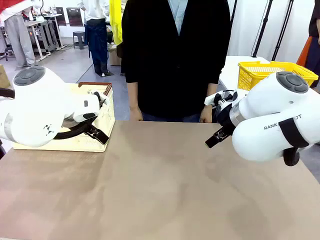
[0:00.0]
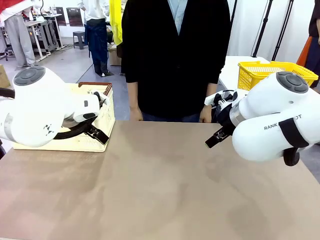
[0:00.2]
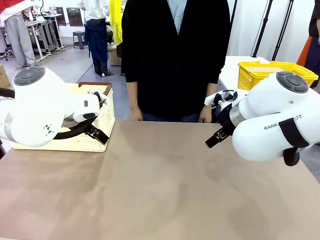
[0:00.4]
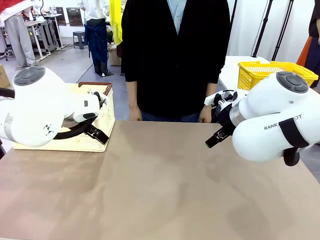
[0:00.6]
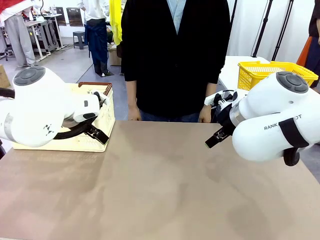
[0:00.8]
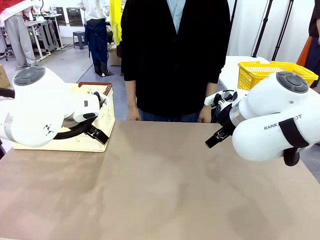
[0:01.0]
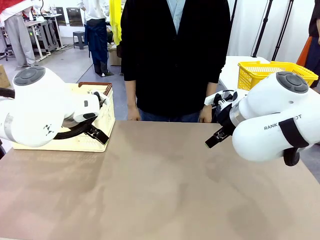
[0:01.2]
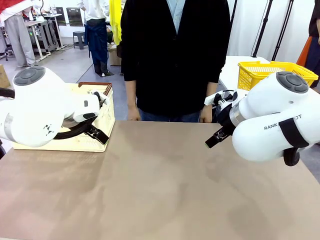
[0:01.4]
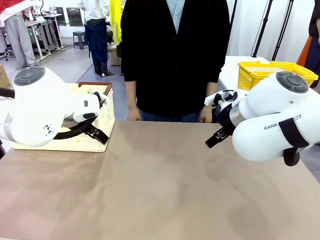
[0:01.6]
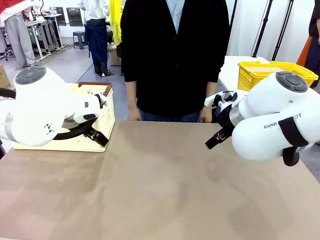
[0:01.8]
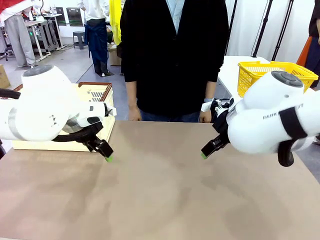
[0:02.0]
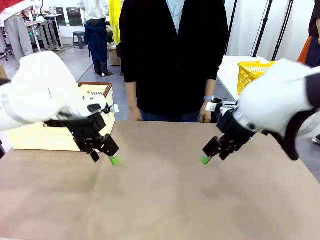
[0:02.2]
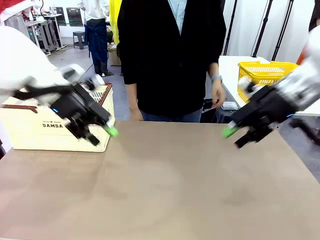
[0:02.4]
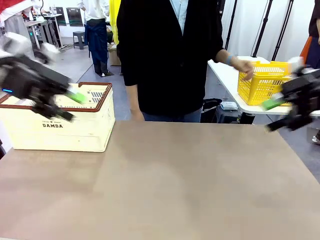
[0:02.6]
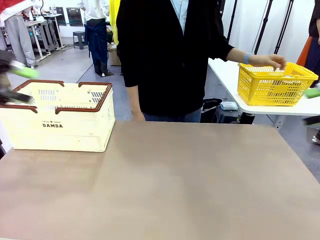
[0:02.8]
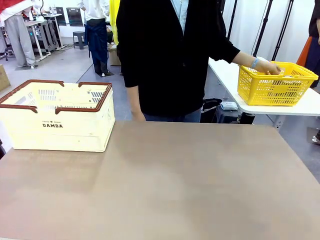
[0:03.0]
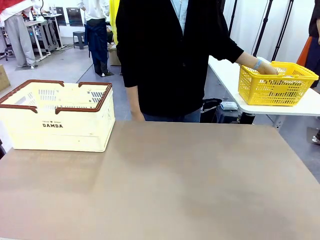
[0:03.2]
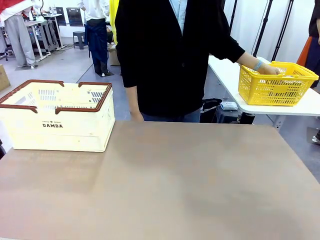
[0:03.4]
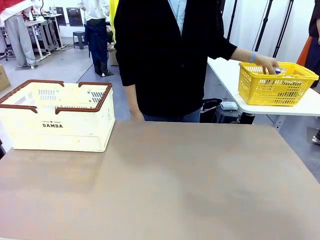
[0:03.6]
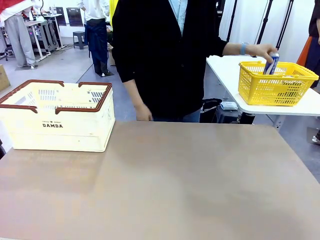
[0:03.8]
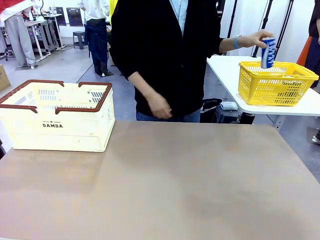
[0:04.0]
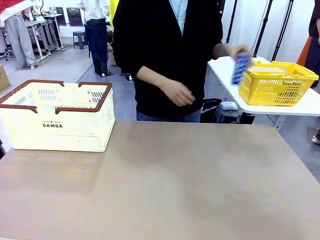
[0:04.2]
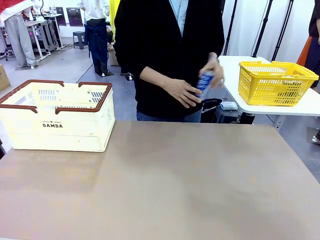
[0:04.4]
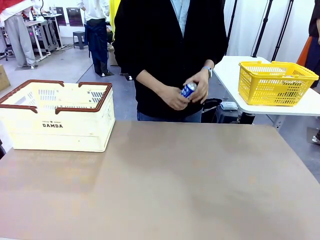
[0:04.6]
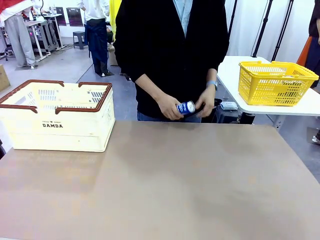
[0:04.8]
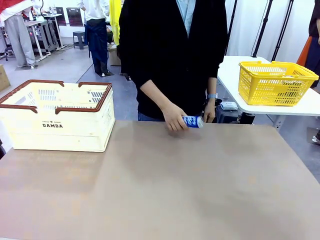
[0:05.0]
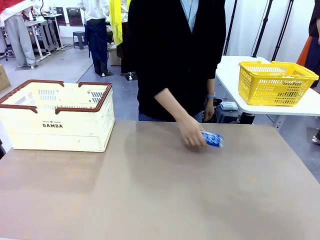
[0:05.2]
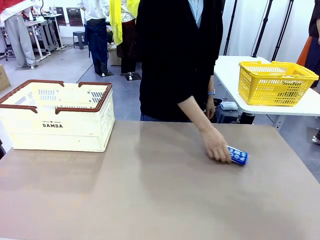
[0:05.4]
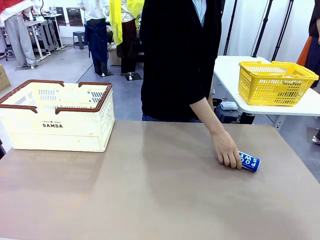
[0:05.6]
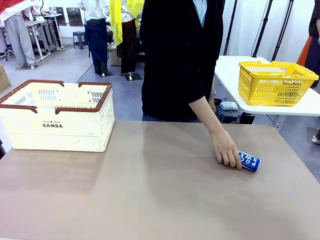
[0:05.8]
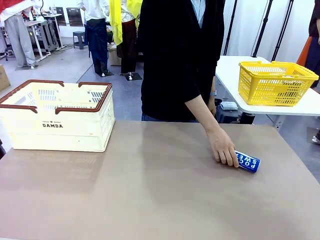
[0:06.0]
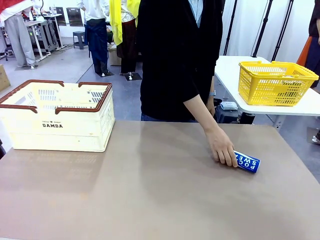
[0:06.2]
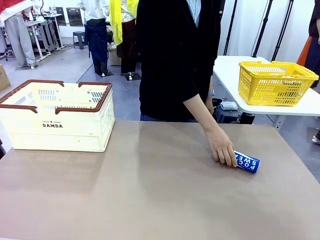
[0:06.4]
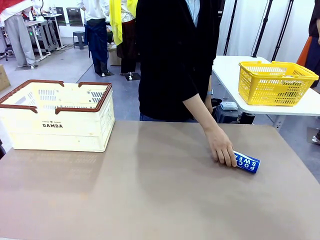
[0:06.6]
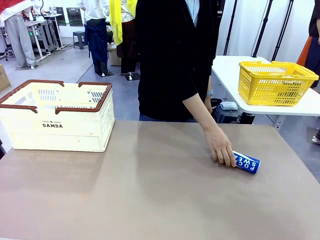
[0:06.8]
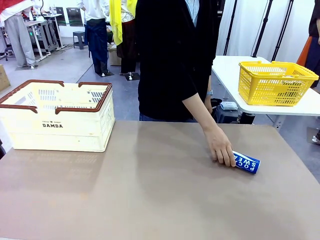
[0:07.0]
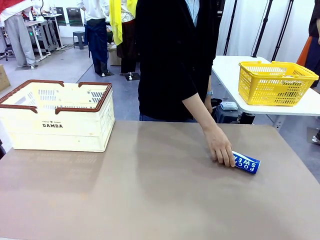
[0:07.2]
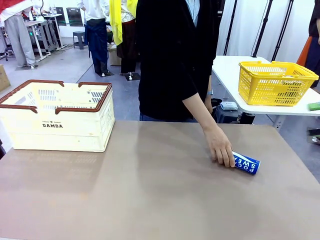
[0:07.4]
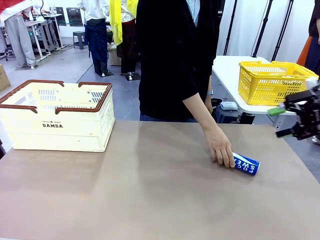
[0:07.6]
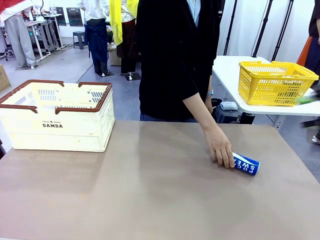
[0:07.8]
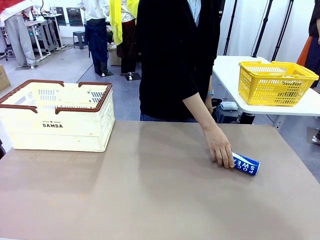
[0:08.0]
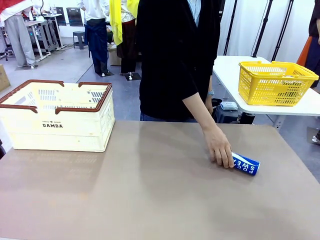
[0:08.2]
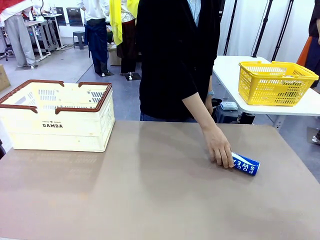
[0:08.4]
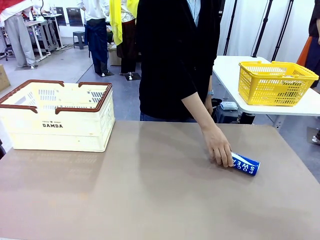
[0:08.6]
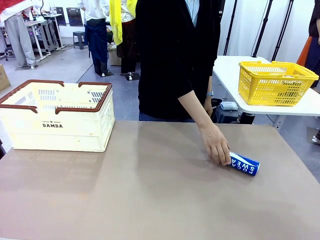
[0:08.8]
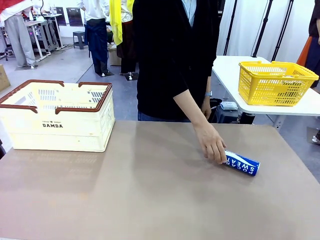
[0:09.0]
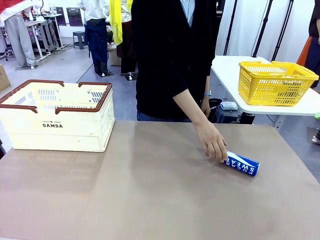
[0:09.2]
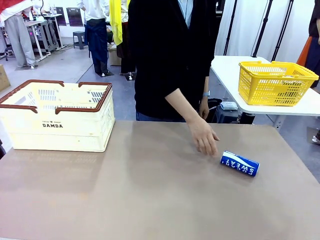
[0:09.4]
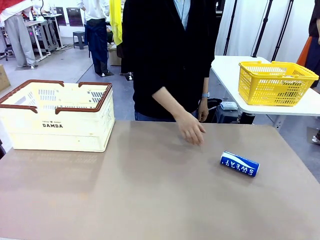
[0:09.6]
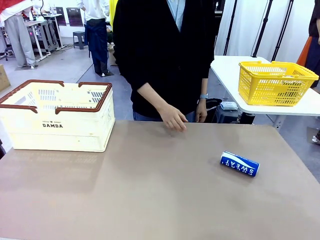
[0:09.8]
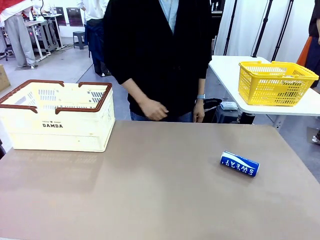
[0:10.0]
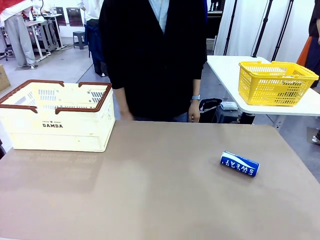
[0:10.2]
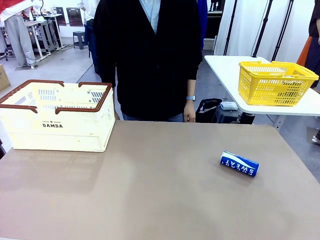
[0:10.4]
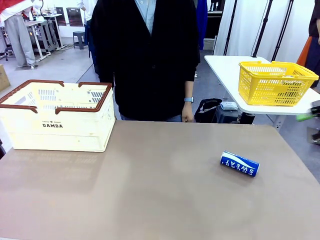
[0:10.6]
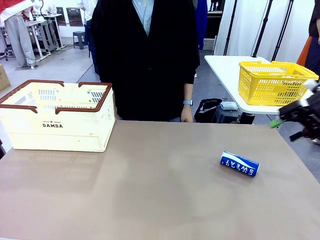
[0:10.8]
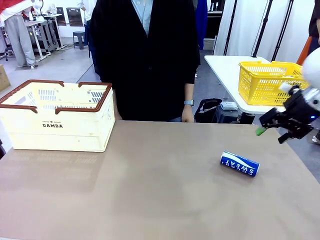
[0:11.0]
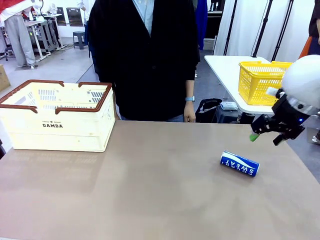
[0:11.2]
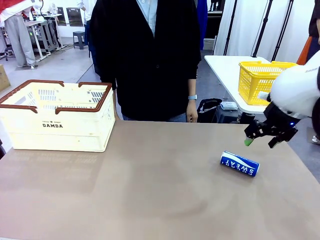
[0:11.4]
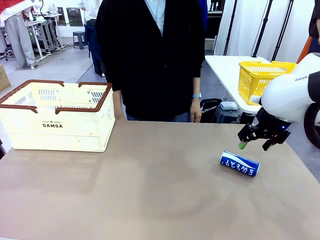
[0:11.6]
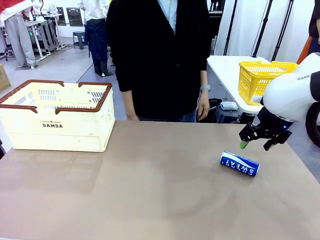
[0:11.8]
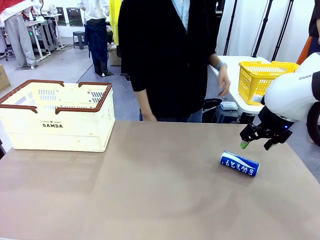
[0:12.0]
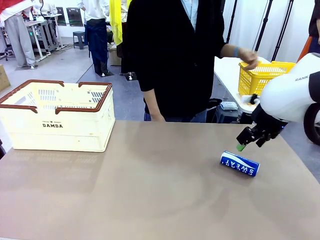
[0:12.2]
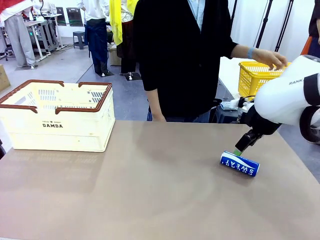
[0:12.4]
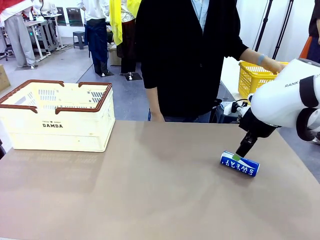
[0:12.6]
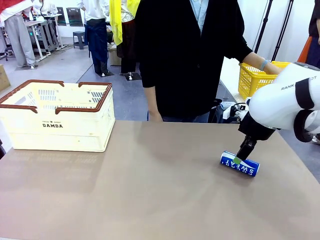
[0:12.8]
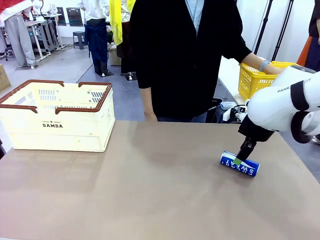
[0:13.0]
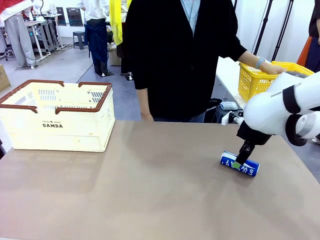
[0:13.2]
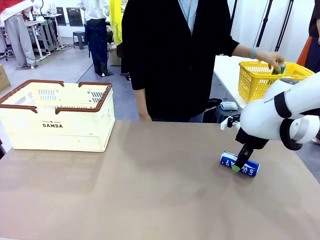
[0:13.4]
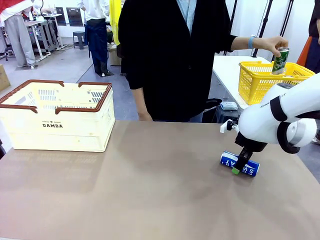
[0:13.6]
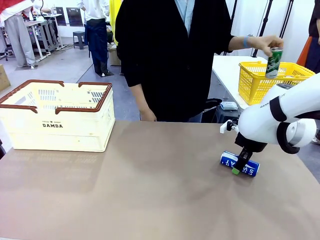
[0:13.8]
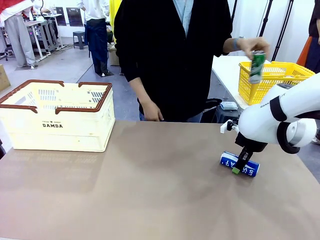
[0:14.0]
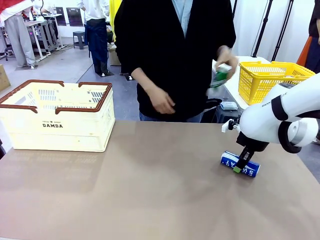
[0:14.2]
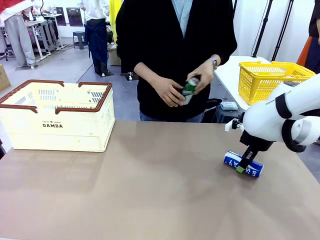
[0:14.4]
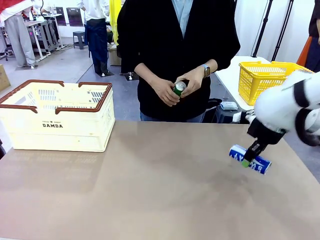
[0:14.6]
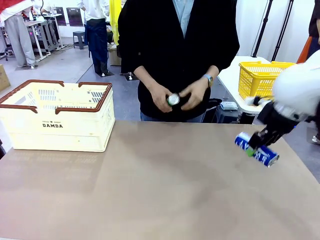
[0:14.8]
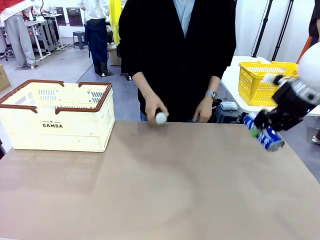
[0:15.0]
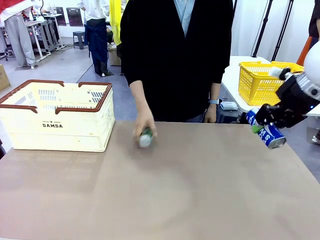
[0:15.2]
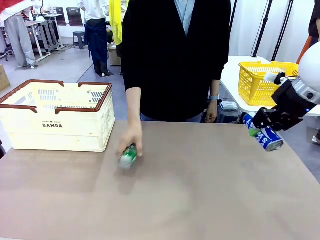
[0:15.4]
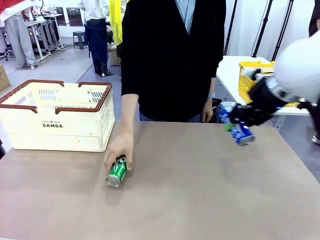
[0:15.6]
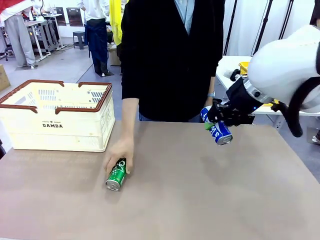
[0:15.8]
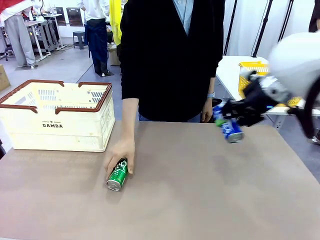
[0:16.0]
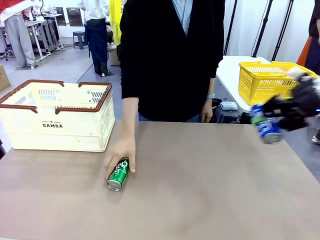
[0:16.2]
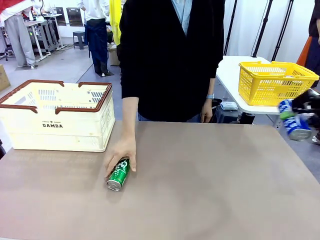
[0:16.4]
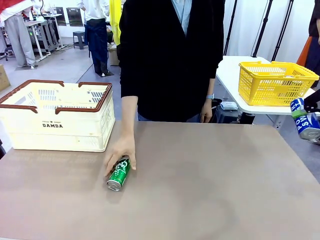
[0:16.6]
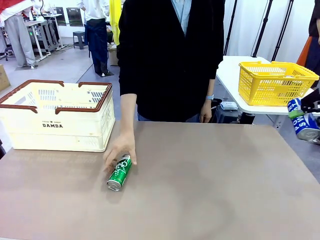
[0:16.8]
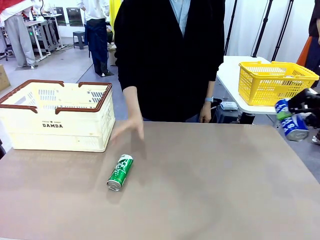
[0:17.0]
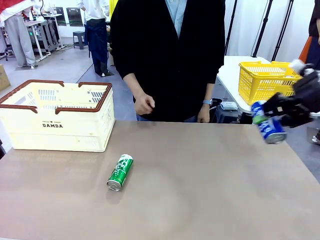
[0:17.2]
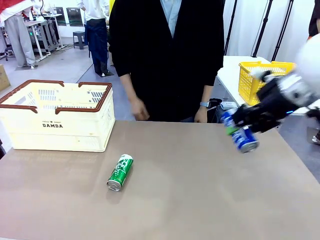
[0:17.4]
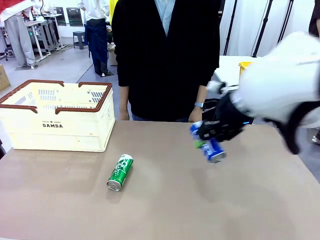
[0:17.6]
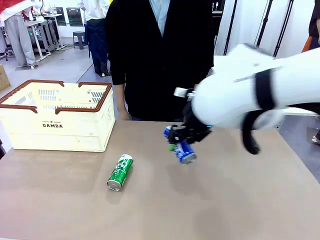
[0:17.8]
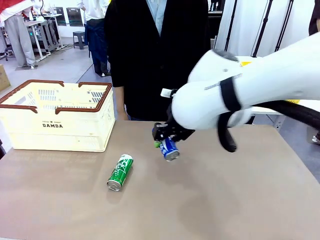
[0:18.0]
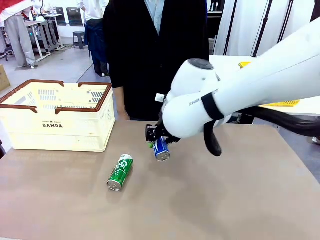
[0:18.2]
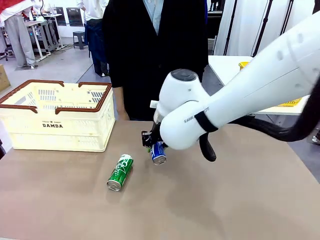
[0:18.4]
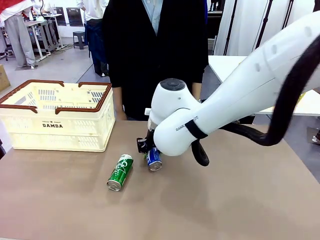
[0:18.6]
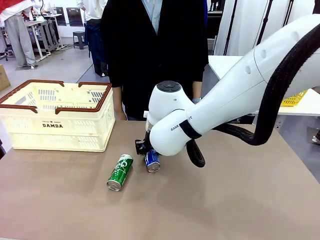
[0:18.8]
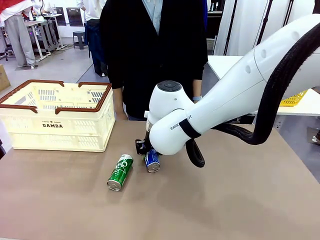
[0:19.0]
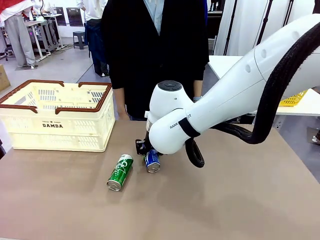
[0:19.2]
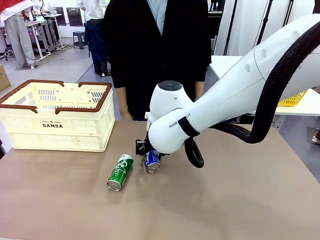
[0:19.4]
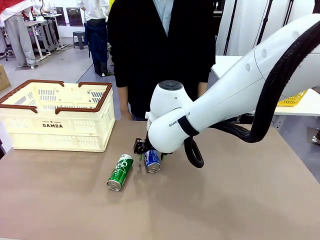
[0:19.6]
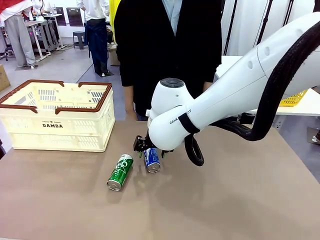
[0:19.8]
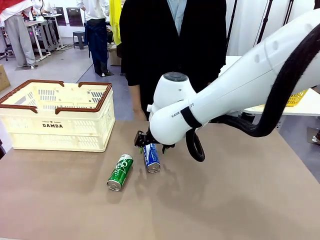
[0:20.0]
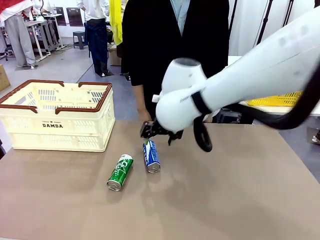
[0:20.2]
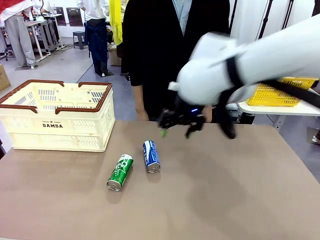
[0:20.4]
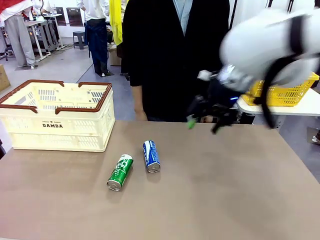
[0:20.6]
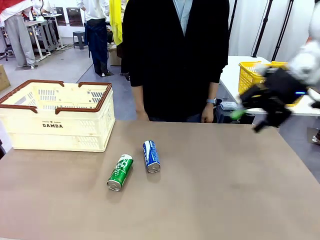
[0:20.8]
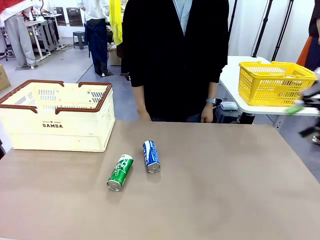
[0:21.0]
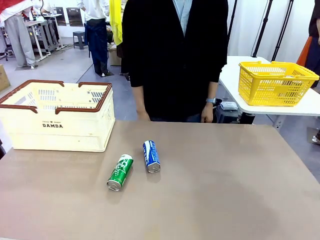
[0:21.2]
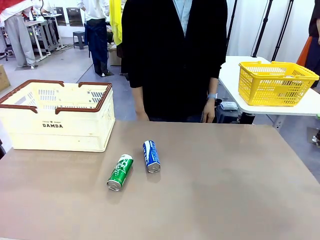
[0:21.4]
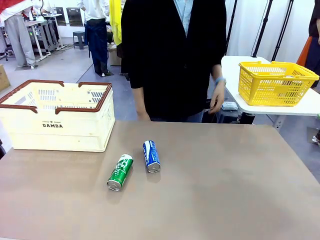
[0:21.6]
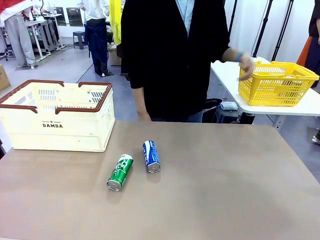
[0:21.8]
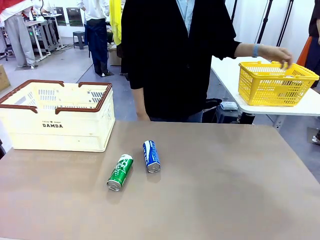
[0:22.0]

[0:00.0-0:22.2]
Task: Place the drinks into the Shopping basket.
Robot: Pick up one drink and place it into the Shopping basket.
